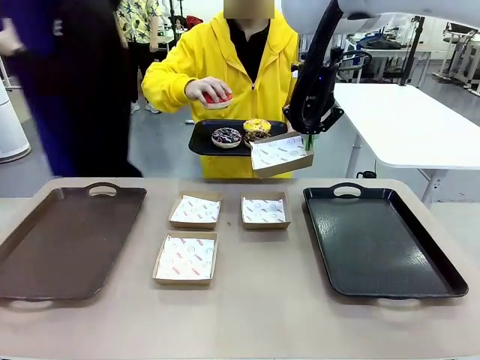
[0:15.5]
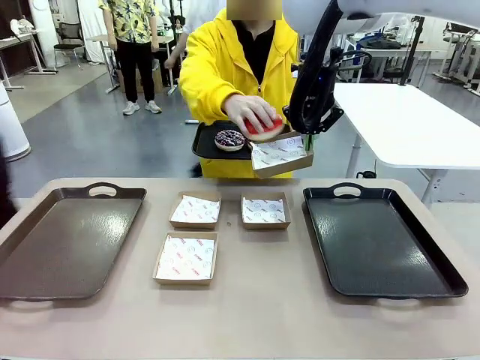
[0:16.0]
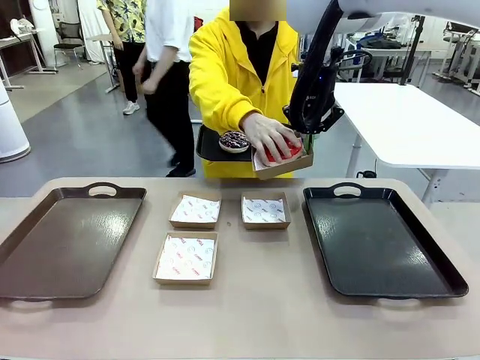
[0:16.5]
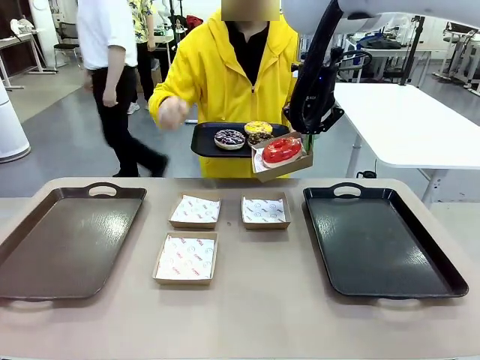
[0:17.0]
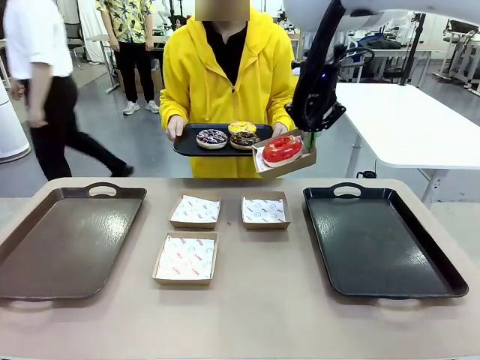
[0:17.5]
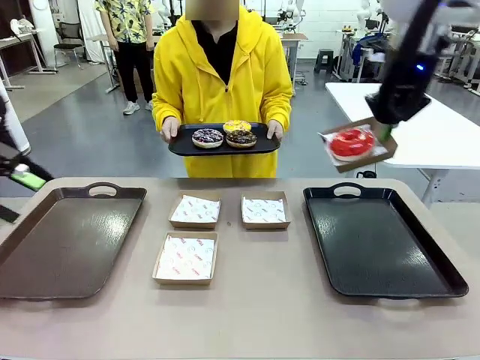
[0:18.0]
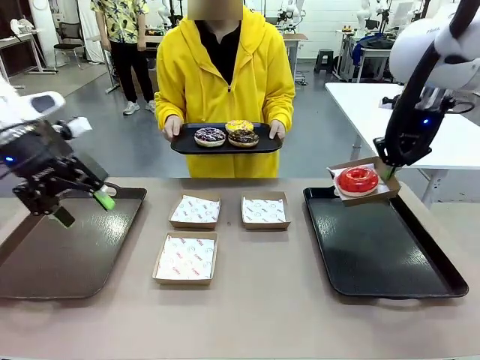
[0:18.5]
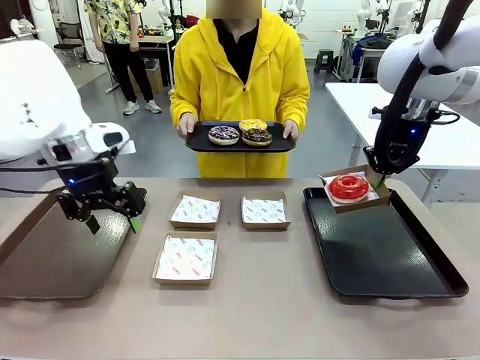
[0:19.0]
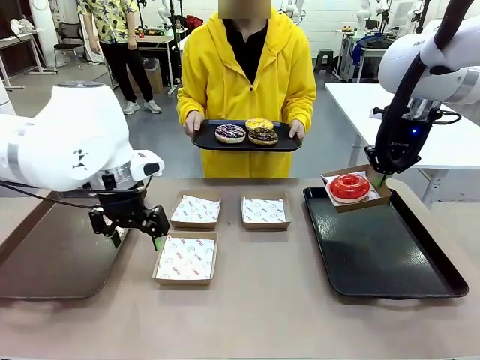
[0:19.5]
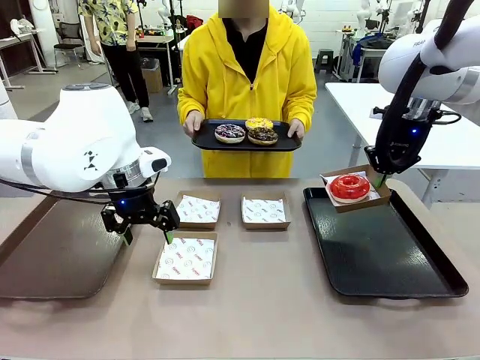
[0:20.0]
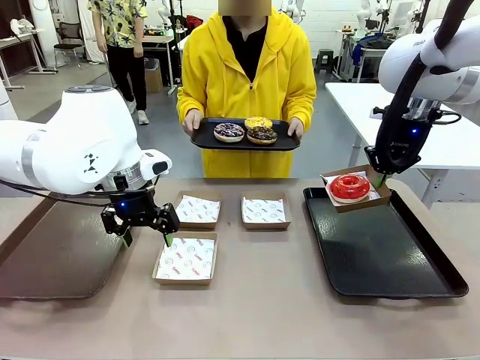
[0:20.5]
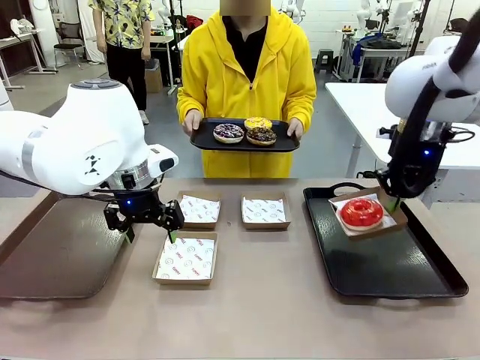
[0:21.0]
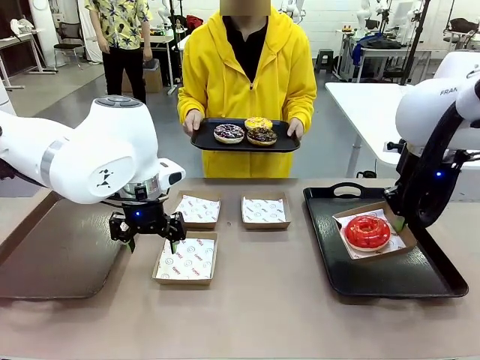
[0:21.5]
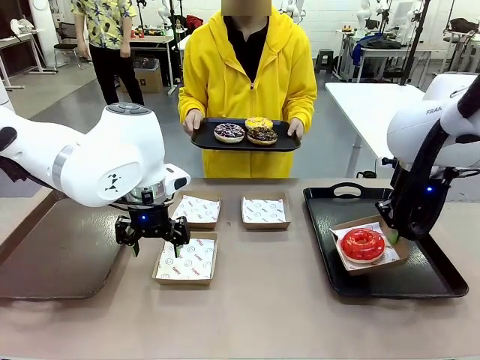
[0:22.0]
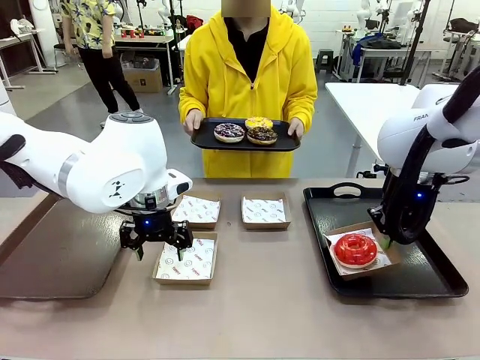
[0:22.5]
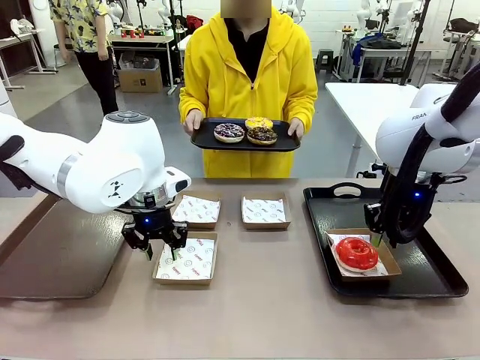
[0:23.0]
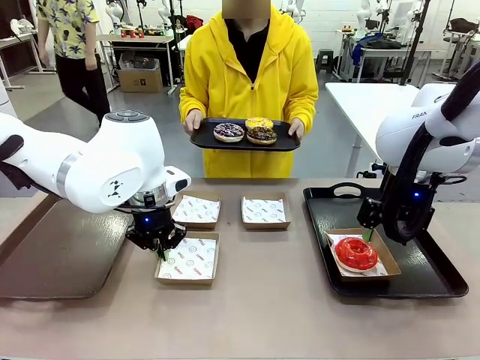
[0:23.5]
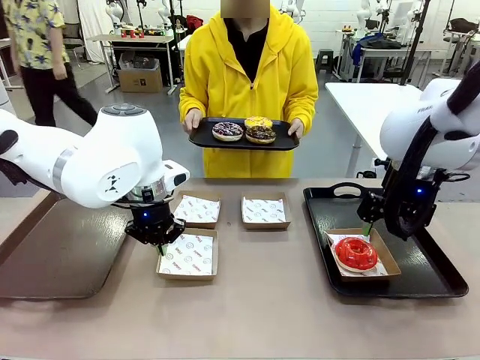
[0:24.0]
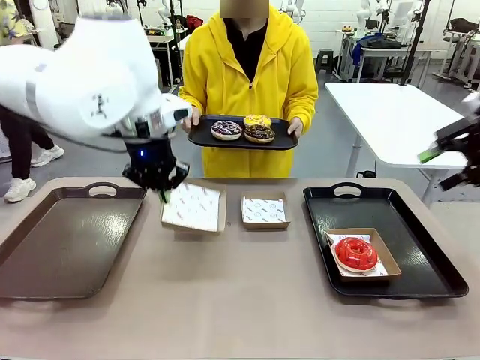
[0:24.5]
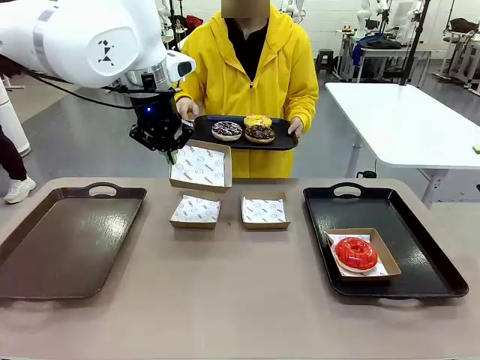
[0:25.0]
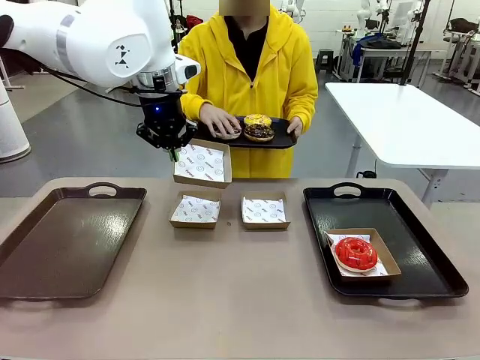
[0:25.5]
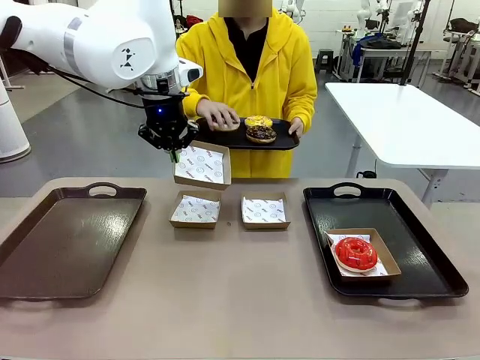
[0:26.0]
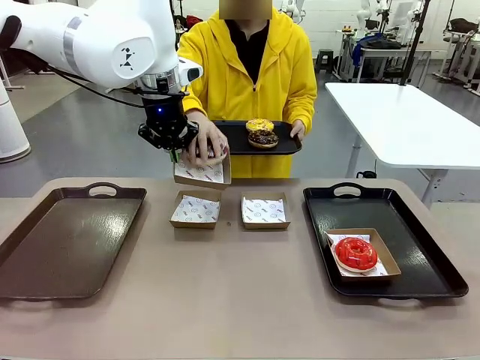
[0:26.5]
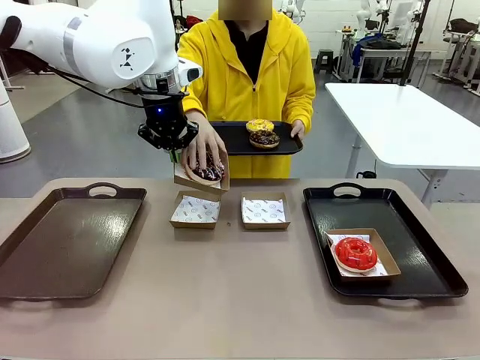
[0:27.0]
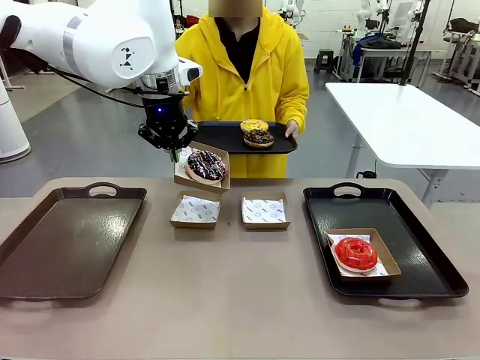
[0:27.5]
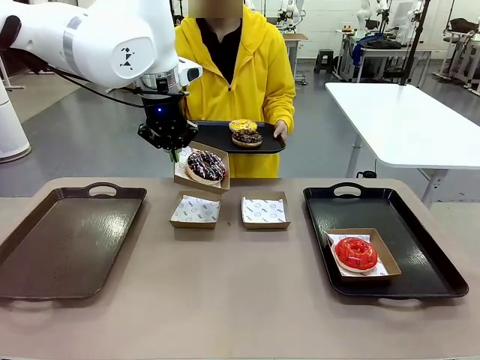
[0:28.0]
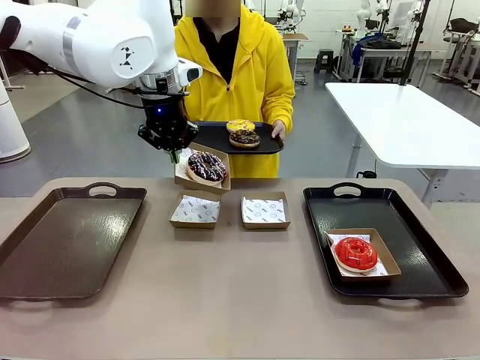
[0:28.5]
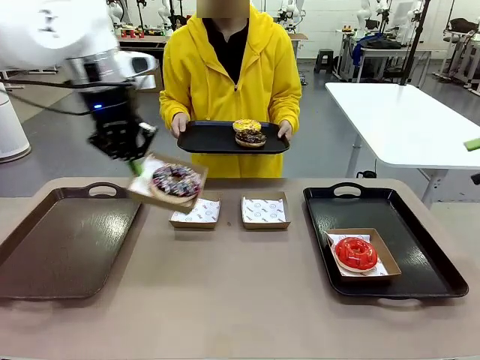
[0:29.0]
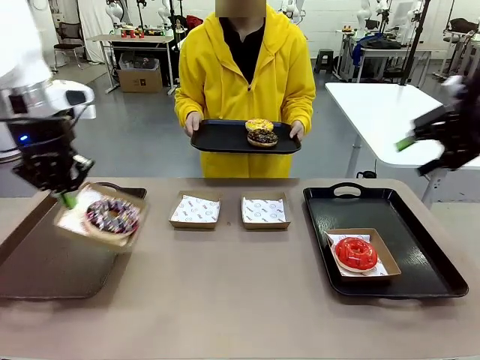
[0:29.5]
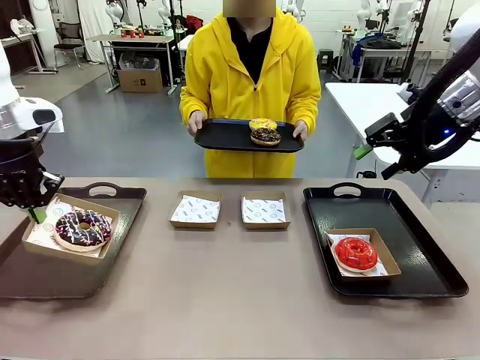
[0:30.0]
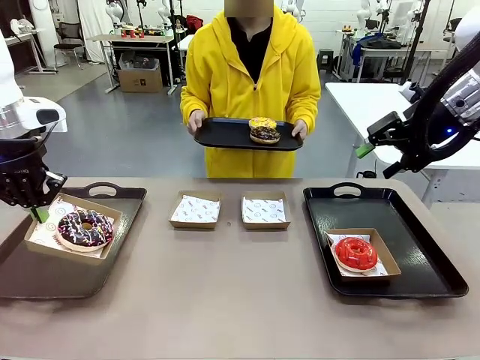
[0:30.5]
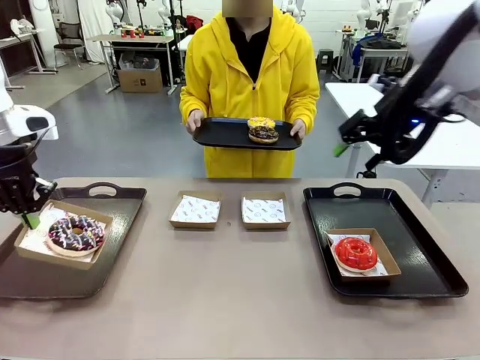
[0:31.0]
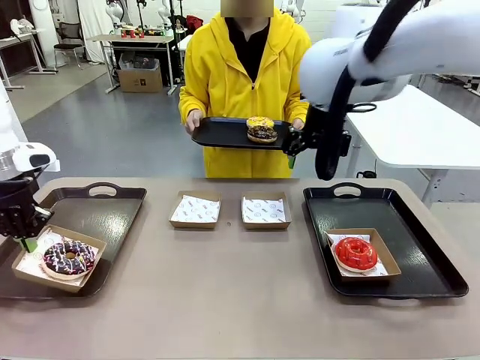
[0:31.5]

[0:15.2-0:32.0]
Task: Individually package the donuts and arrange them on the tray.
Robot: Place the picked Paper togo box on the Handle tray while simultaneously picking up another Paper togo box from the table with the other hand.

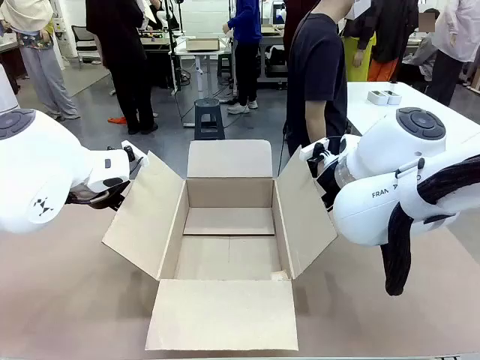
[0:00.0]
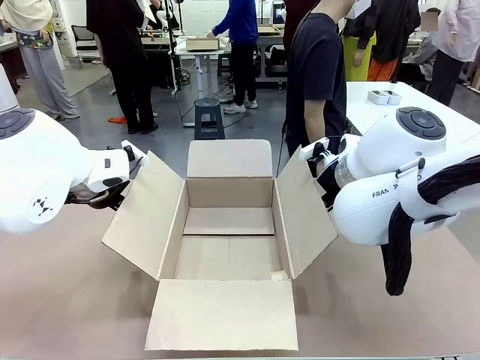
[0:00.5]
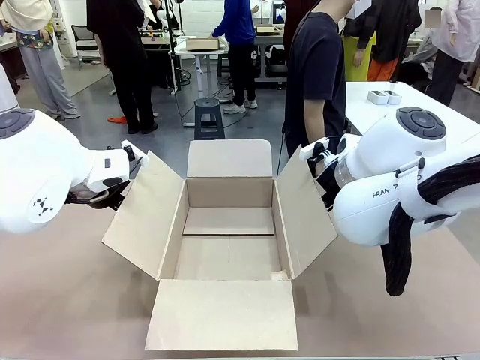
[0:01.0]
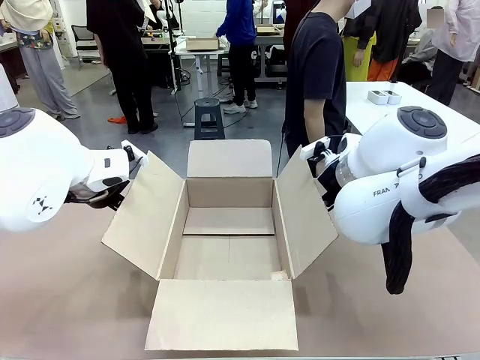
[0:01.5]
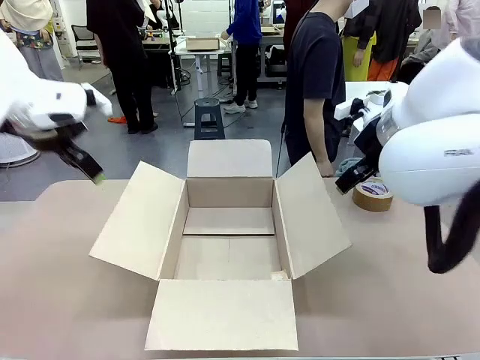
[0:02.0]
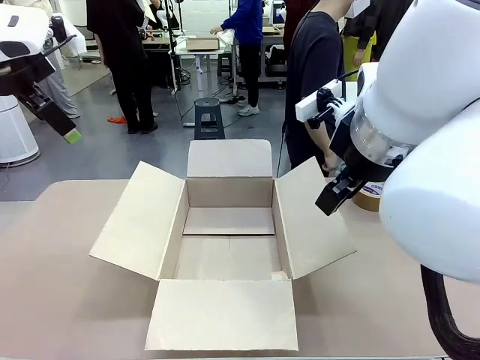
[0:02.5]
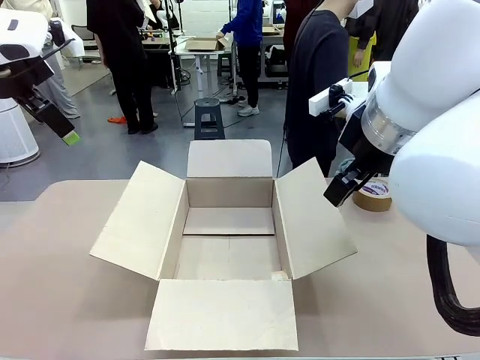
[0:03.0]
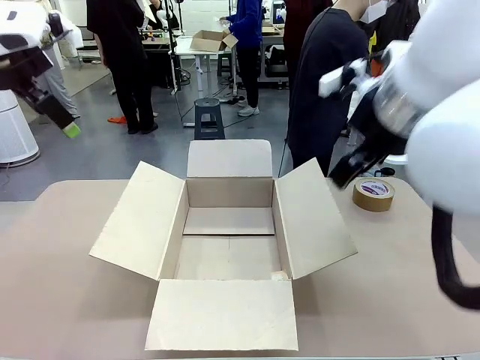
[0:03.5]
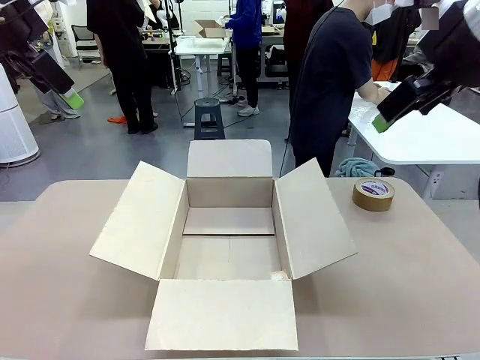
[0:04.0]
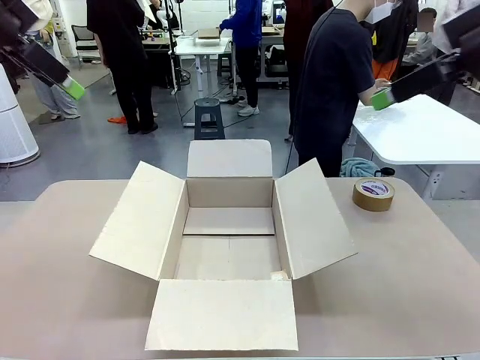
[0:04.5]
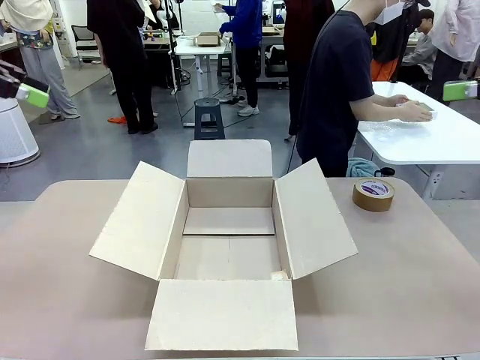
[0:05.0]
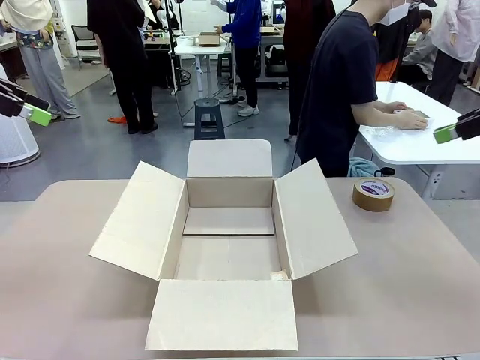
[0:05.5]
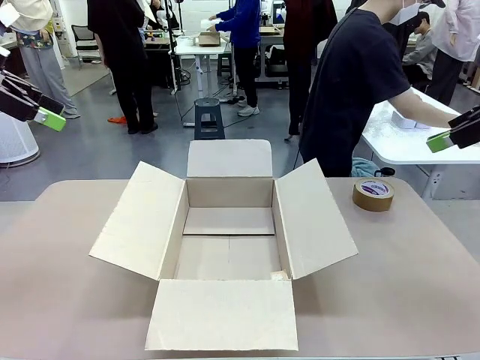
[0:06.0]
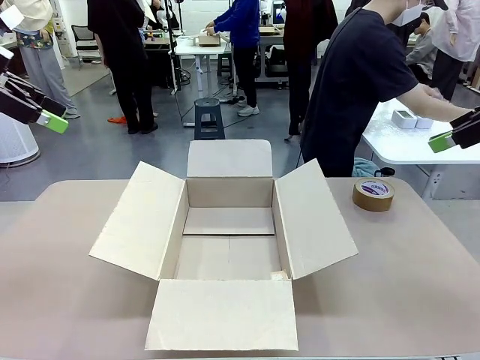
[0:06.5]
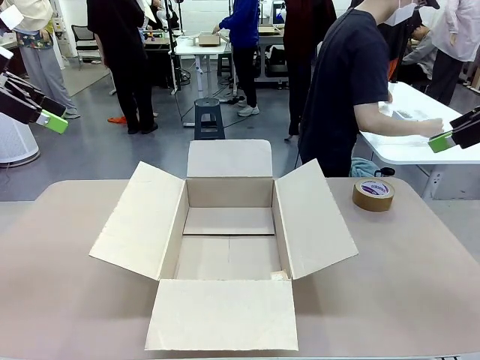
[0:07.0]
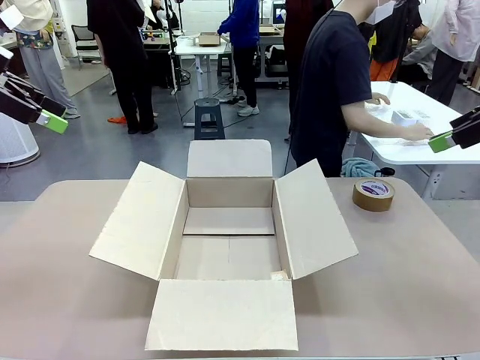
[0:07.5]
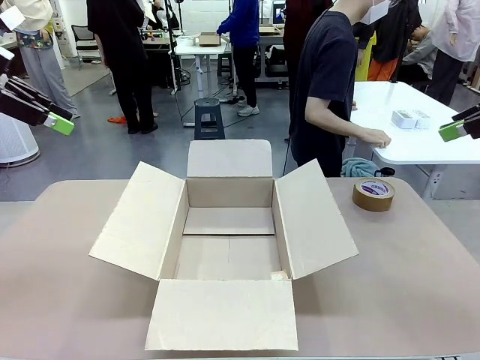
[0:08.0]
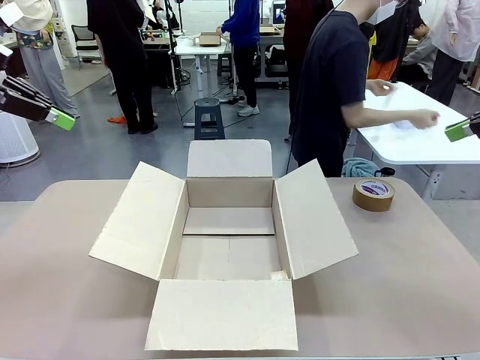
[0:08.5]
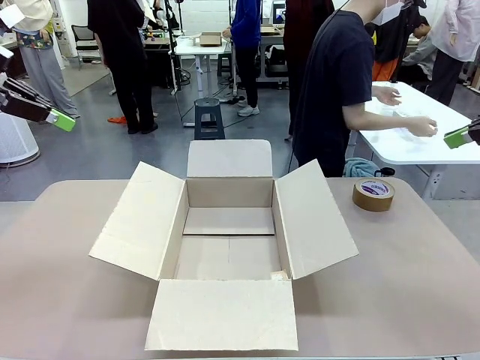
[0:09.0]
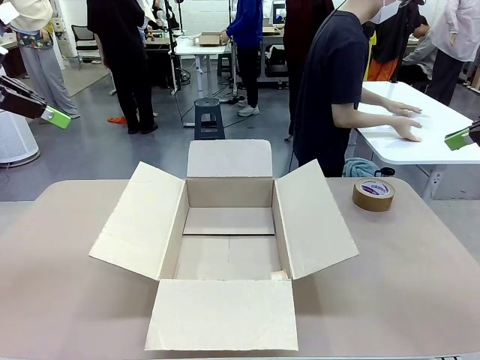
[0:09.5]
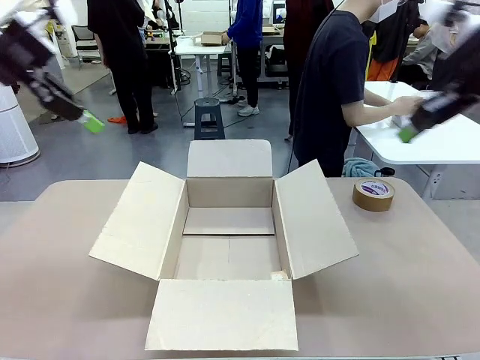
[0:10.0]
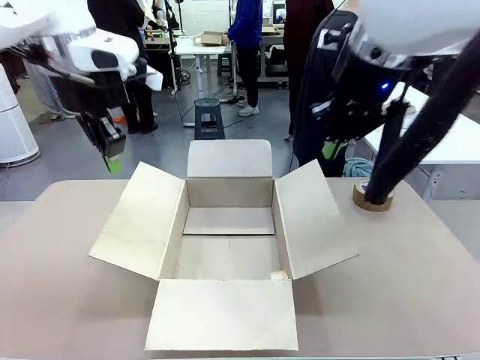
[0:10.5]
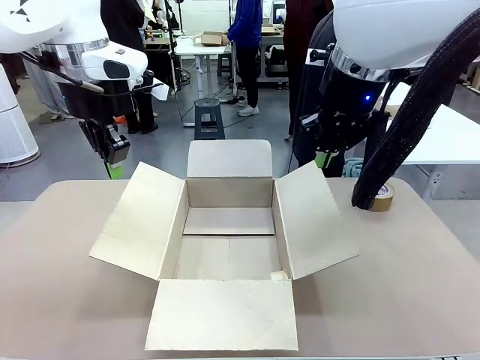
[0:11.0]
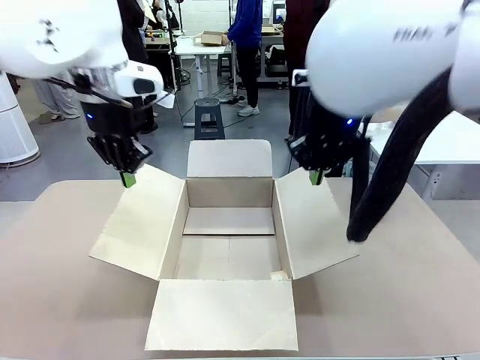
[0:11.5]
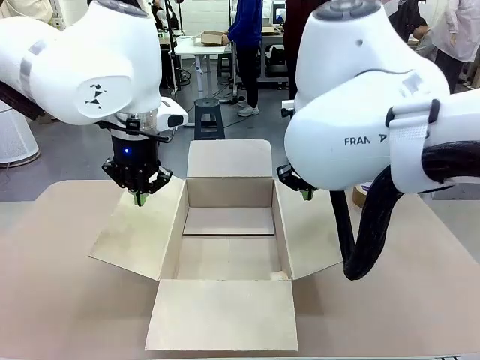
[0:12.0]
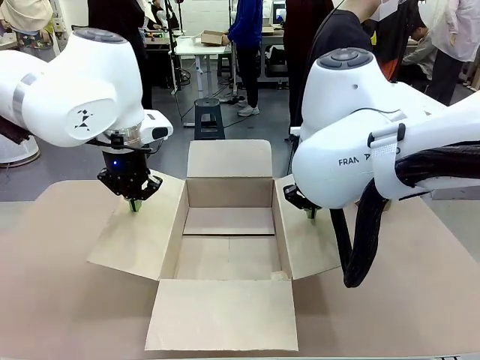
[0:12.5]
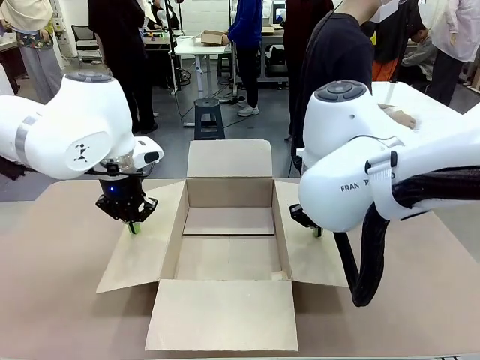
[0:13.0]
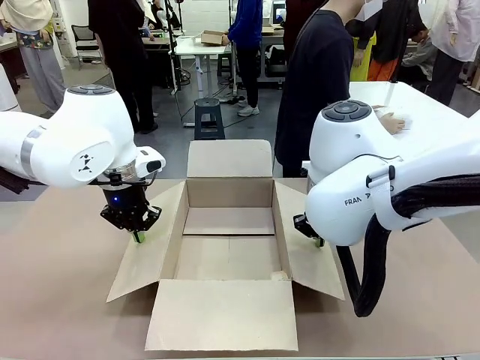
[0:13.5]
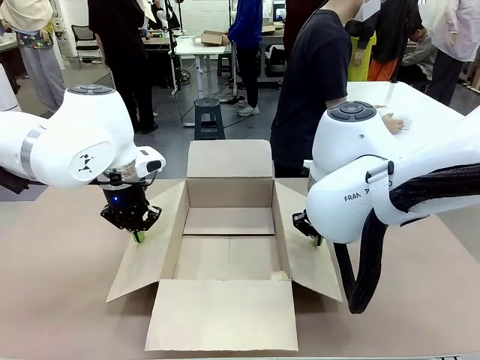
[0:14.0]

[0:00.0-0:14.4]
Task: Wrap the clocks to prevent damage.
Robot: Open the side flaps of the Package Box.
Person: Wrap the two Digital clocks with Bubble Wrap.
